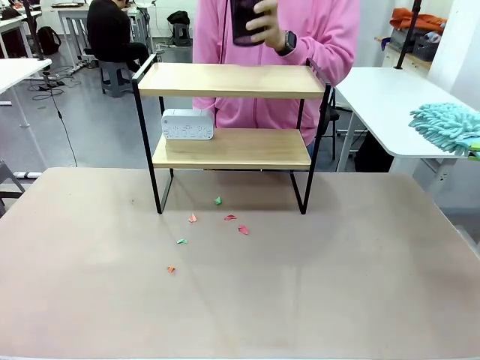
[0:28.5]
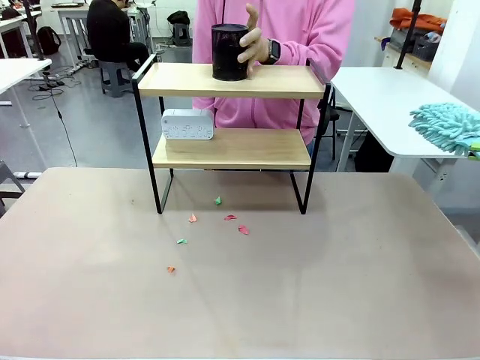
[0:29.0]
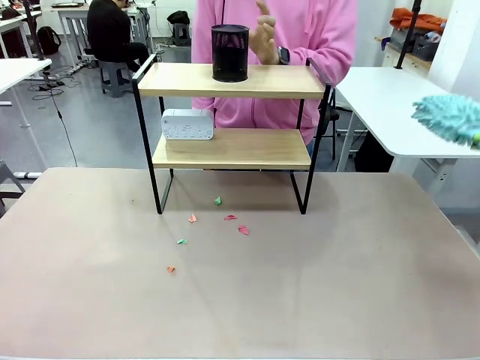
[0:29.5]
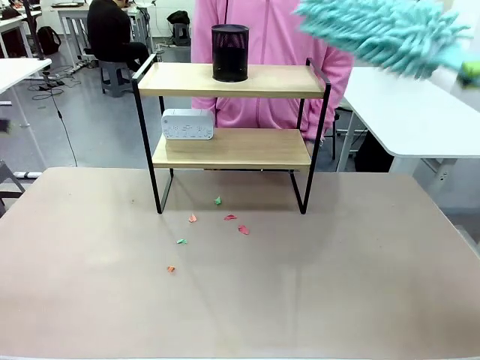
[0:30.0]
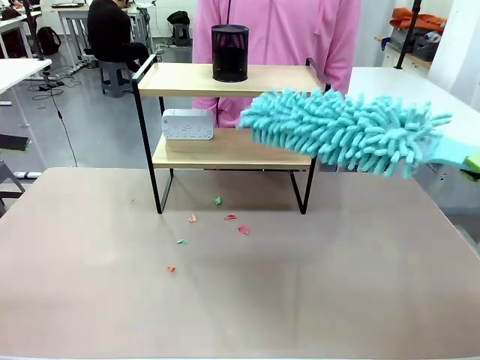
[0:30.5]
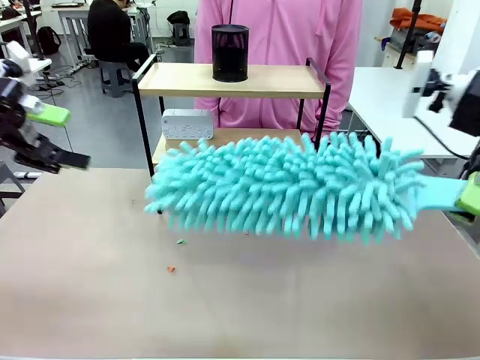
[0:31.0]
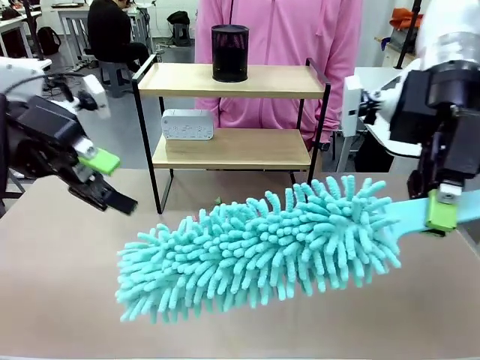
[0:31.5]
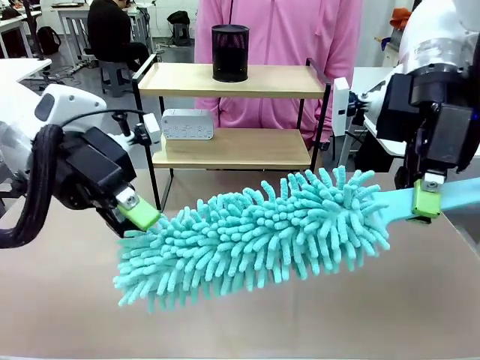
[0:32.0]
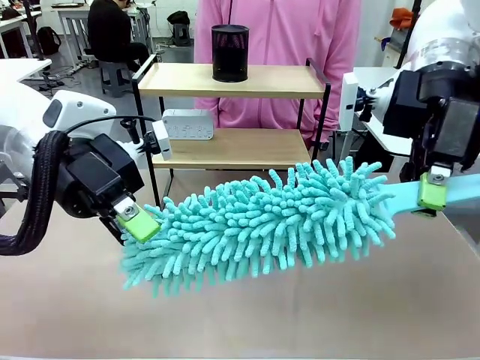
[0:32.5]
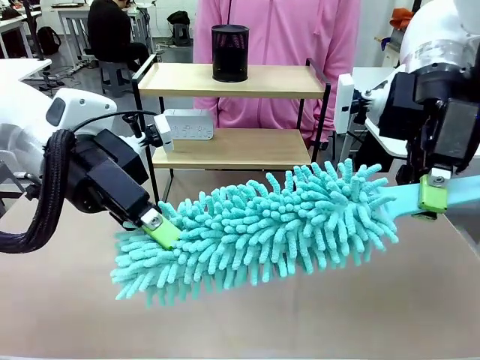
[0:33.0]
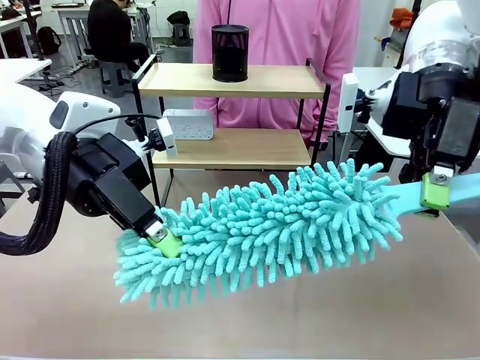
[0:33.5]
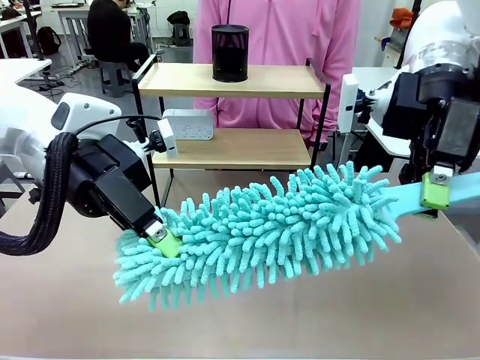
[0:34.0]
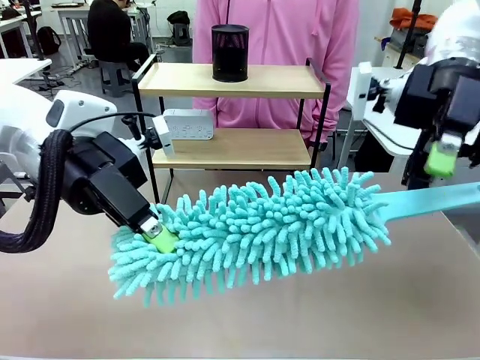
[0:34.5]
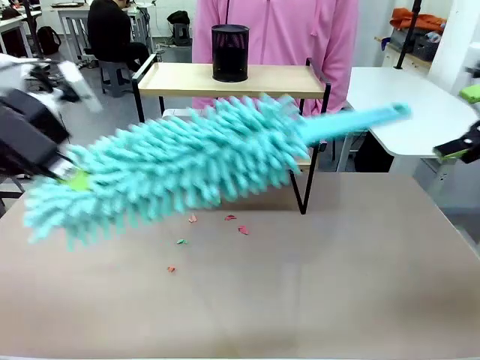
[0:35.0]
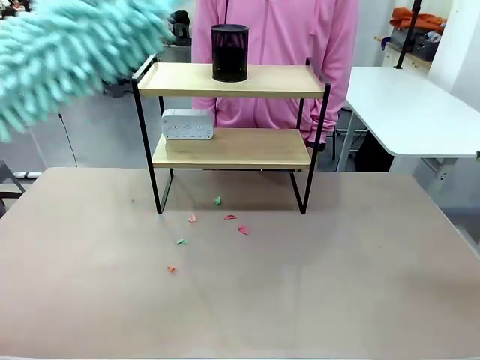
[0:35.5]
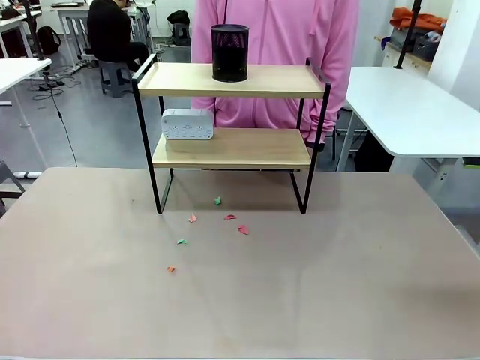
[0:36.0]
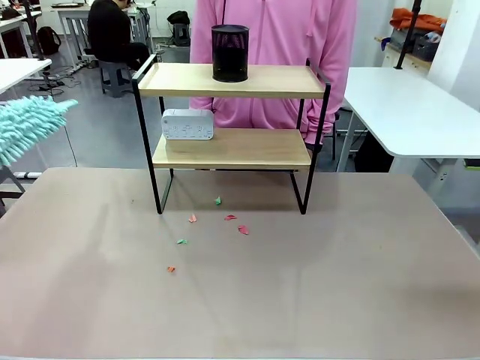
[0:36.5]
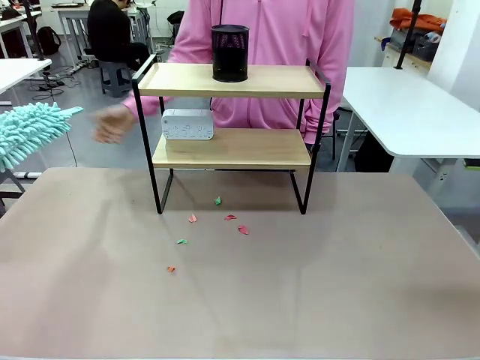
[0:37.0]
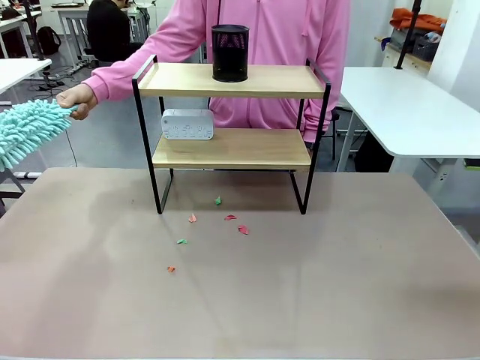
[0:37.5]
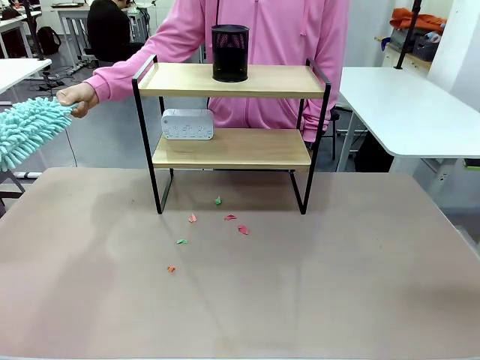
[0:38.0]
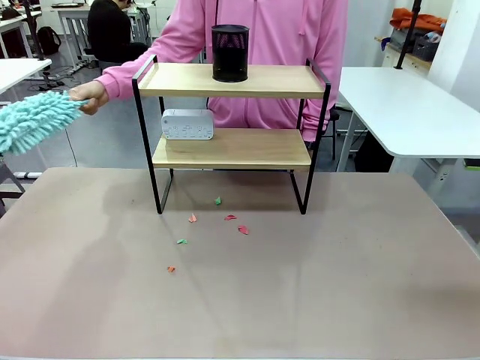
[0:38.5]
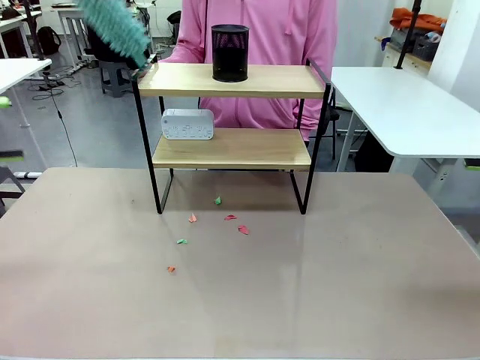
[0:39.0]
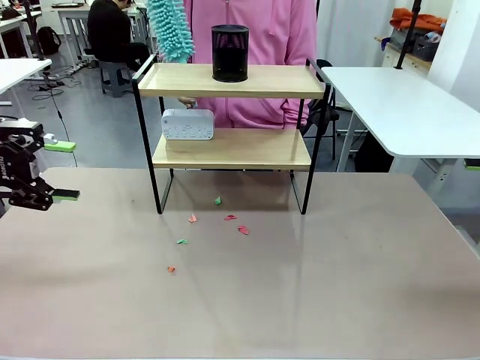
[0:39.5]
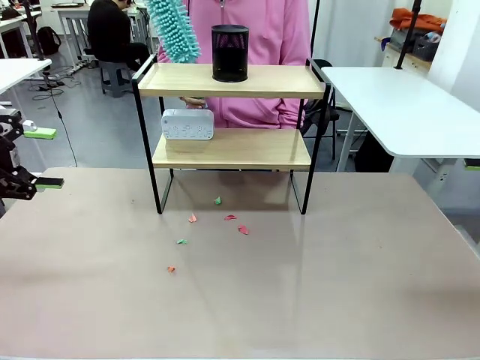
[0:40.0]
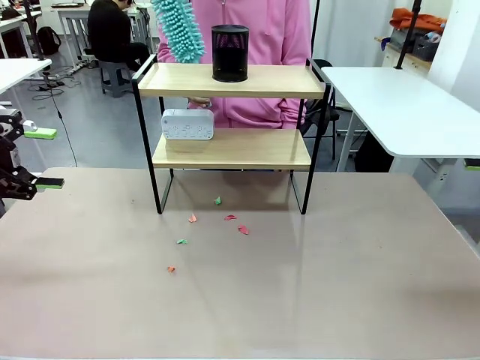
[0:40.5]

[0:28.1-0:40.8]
Task: Clean the shelf.
Robot: Hand the Duster back to the human.
Person: Receive the Duster from the robot.

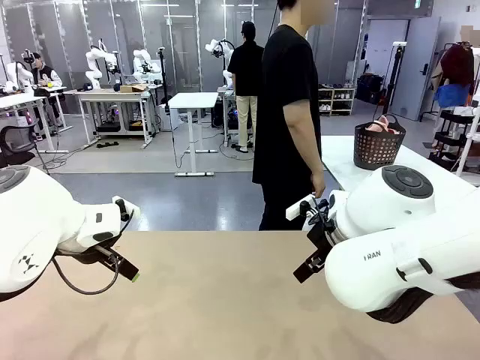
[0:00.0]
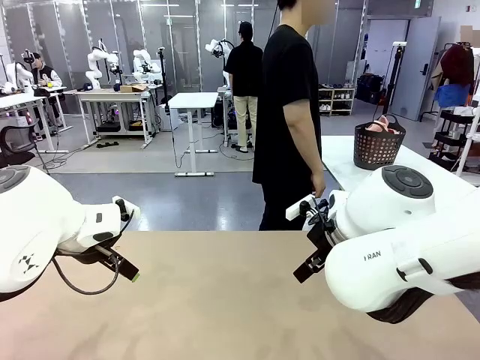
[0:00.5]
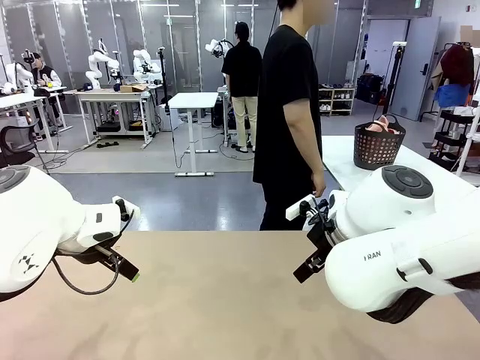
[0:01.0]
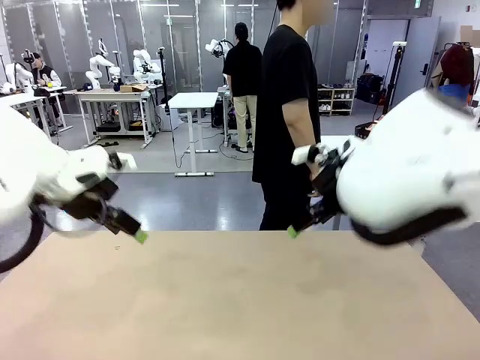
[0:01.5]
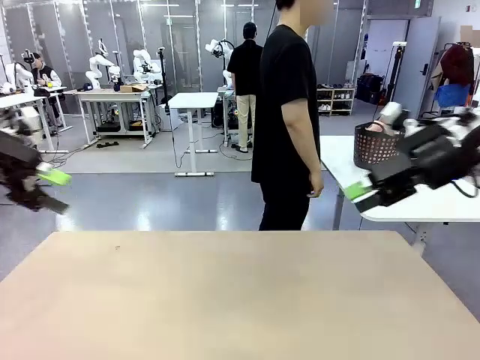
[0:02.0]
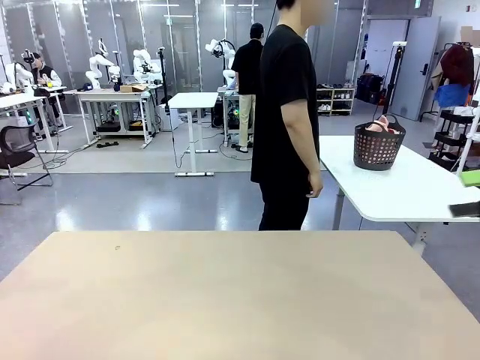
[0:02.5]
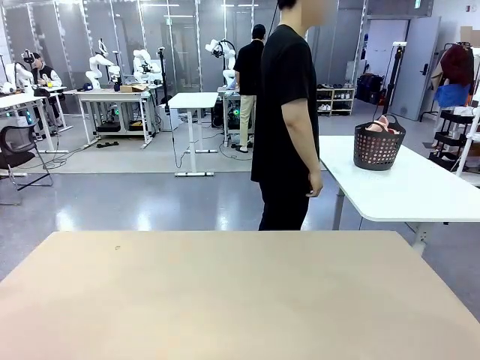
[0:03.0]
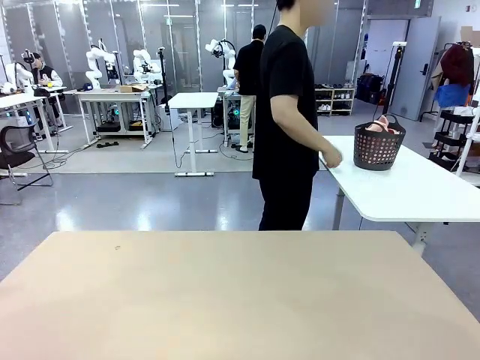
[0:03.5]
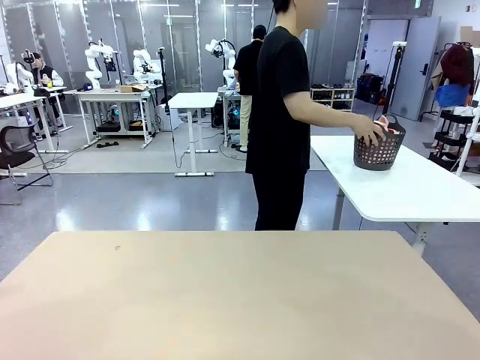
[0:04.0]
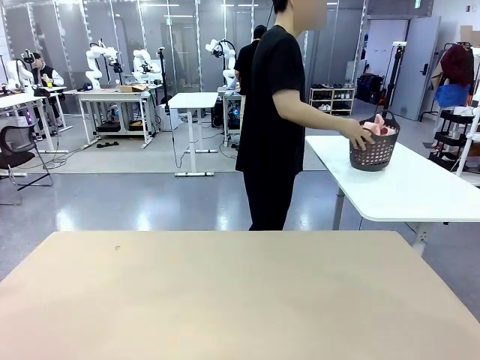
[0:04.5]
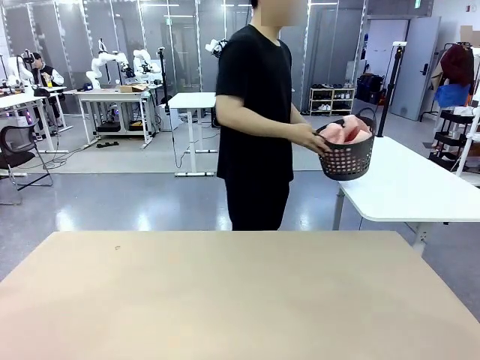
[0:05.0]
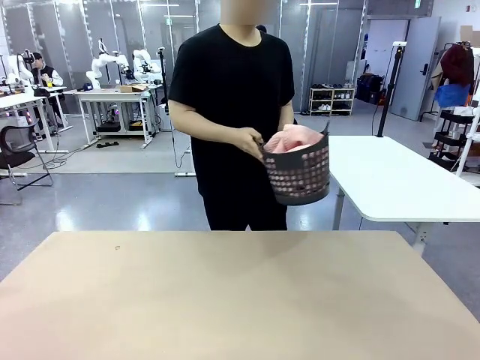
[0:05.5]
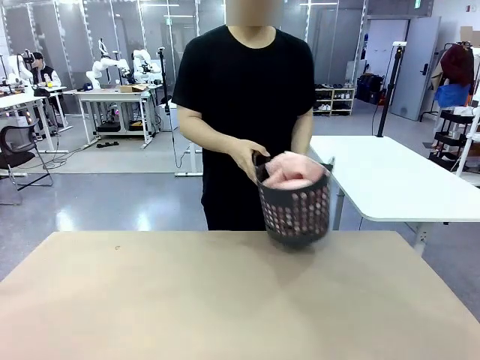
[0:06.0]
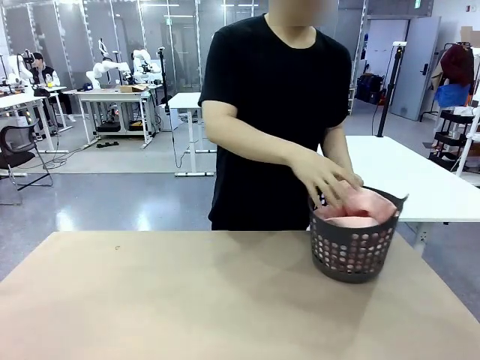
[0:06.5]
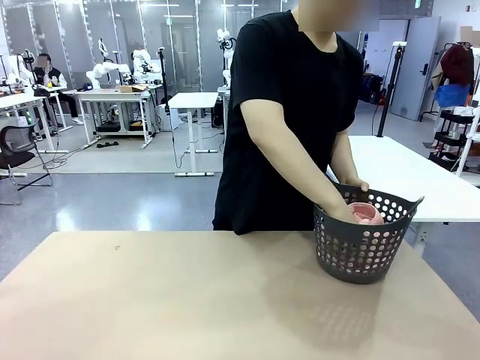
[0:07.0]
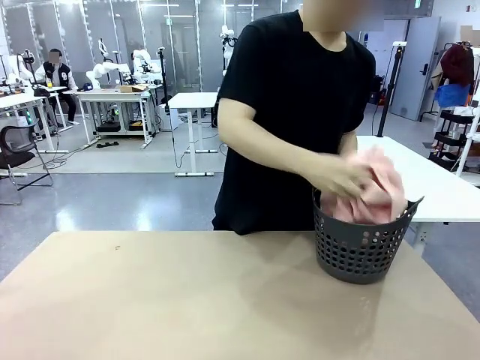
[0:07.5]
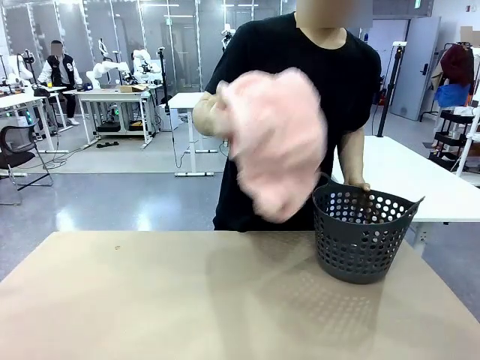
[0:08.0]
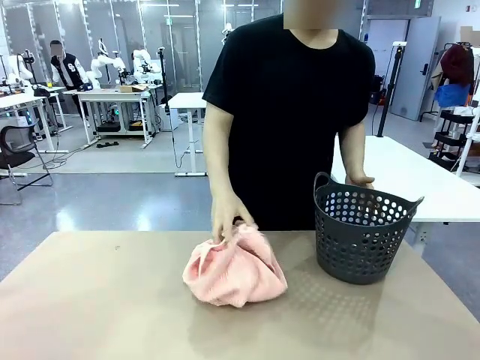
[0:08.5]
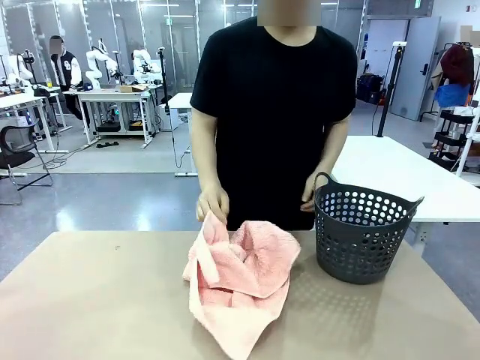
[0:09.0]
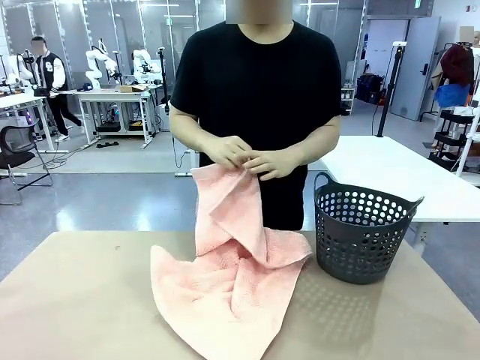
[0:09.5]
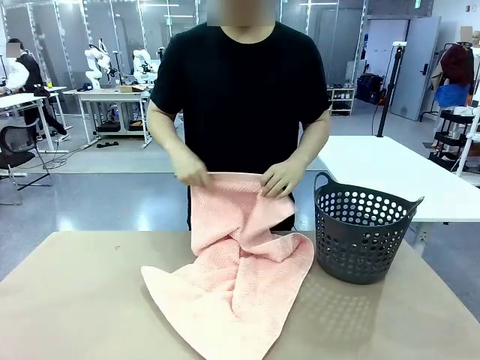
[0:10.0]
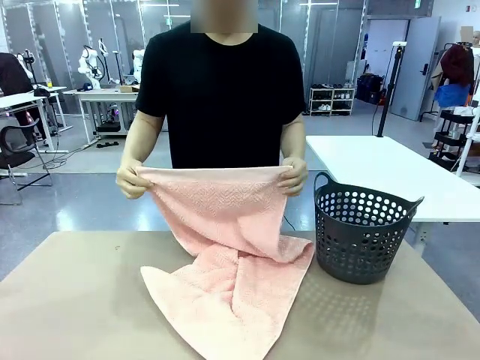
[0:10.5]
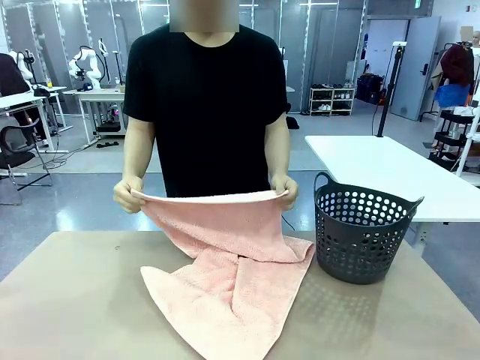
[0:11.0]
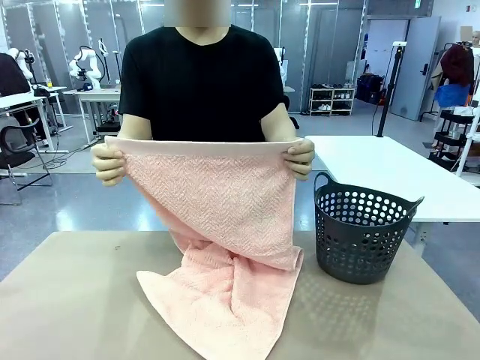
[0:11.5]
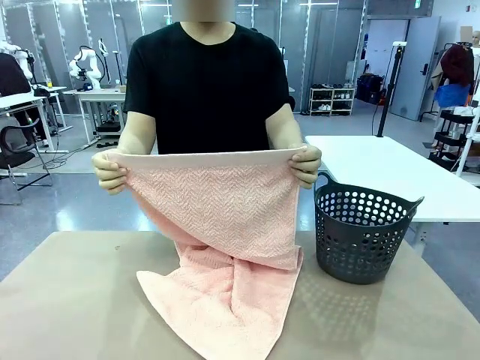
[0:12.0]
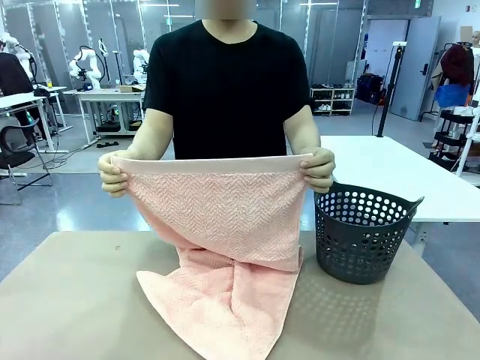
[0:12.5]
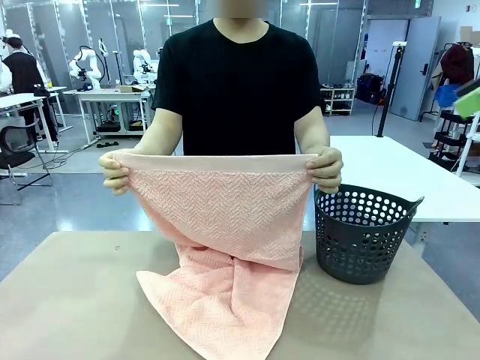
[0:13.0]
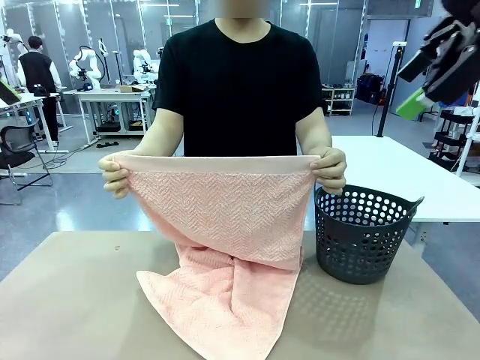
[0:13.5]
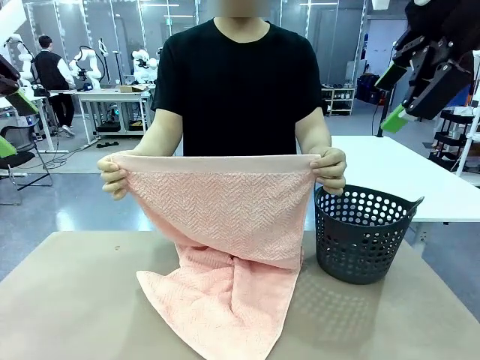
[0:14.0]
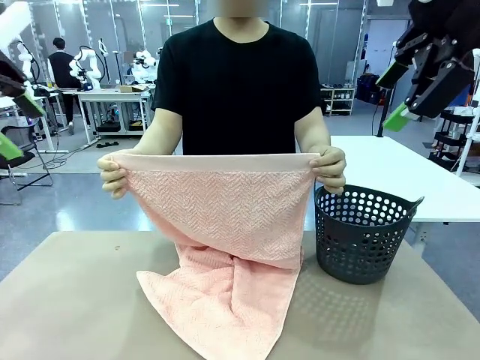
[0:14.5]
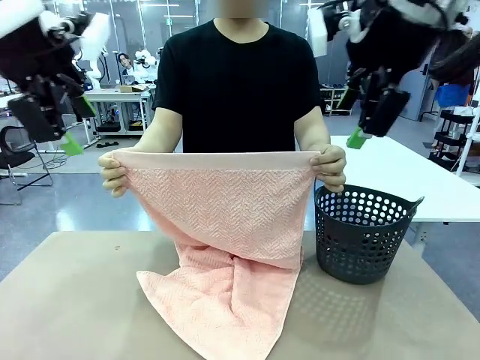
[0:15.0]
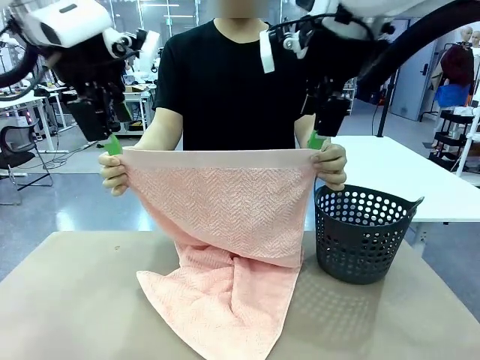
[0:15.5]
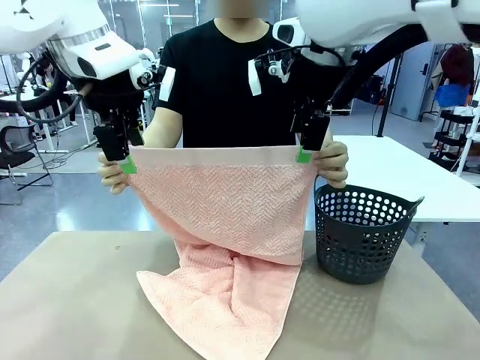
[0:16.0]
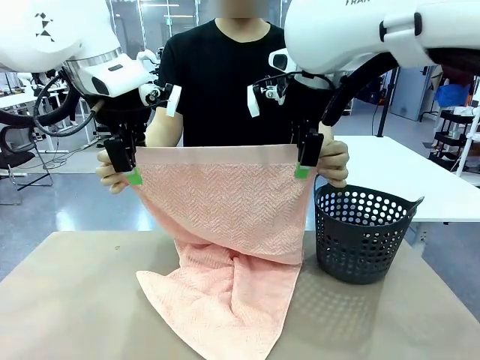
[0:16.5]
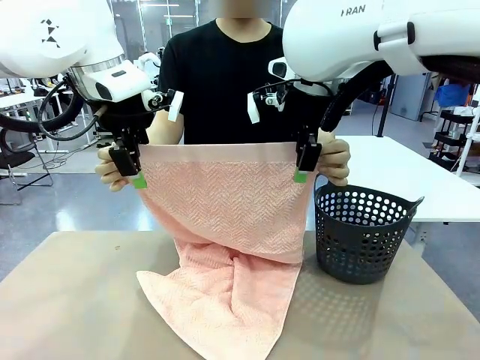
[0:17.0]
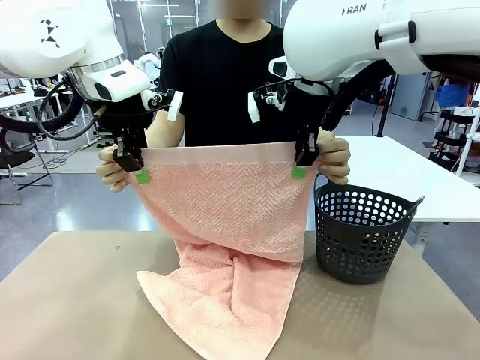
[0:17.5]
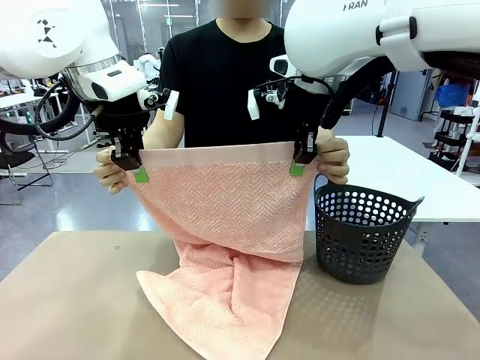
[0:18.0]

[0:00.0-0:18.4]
Task: Fold the towel.
Robot: Grab the top end of the 100 cm Hotel Towel extended by the human.
Person: Pick up the laundry basket, place it on the left side of the robot table, then take out a towel and hand it to the robot while holding both corners of one end.
